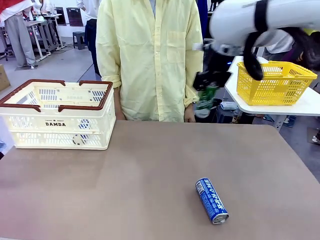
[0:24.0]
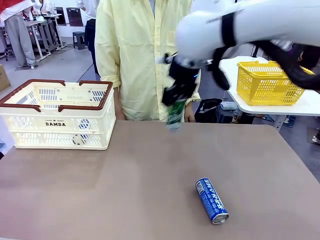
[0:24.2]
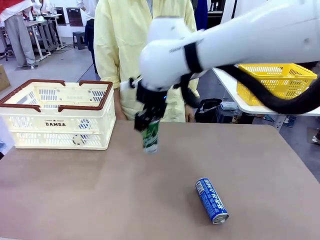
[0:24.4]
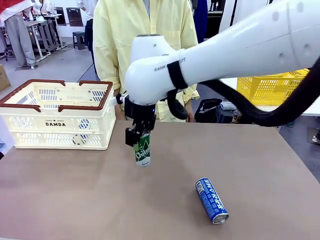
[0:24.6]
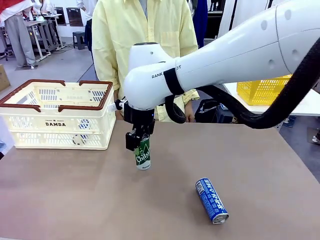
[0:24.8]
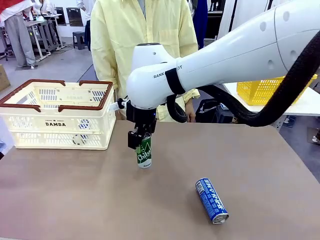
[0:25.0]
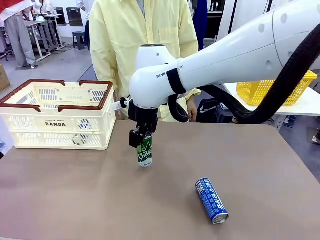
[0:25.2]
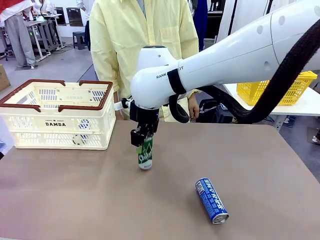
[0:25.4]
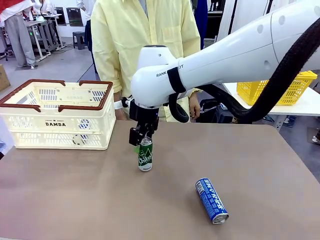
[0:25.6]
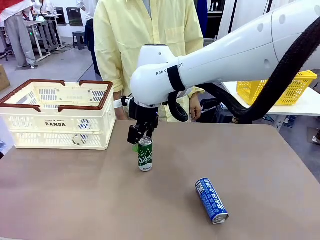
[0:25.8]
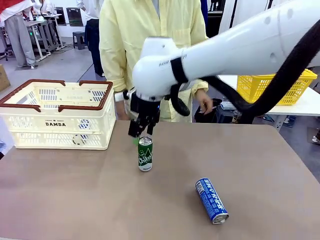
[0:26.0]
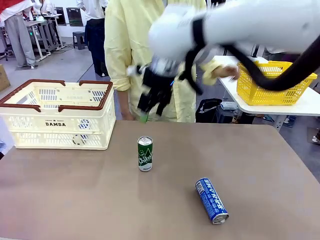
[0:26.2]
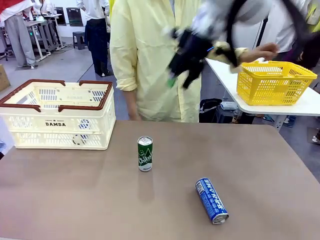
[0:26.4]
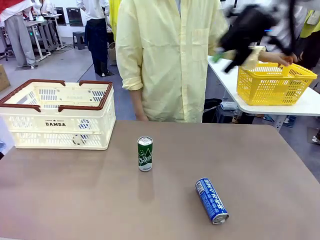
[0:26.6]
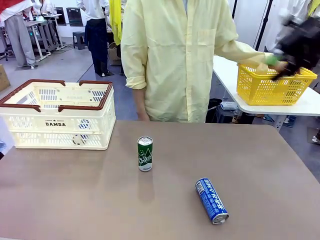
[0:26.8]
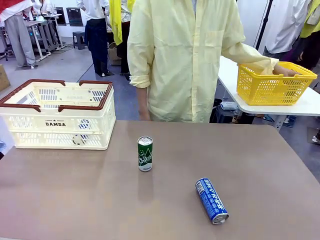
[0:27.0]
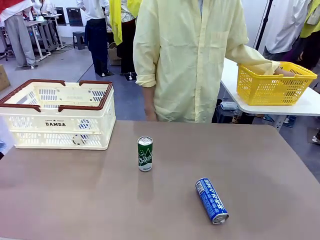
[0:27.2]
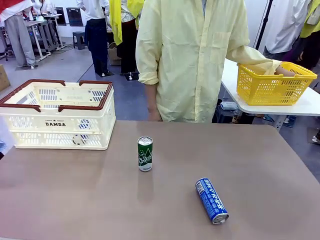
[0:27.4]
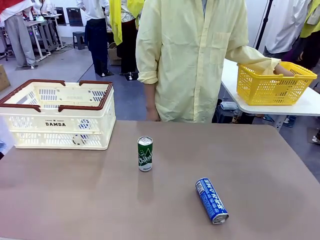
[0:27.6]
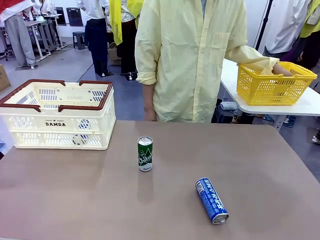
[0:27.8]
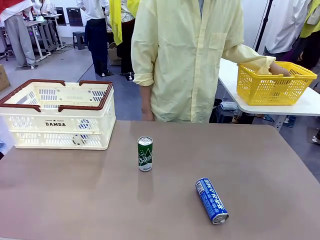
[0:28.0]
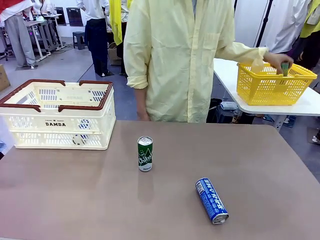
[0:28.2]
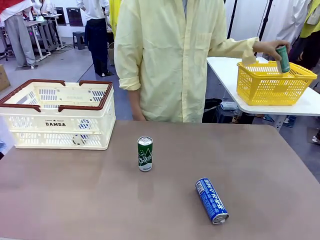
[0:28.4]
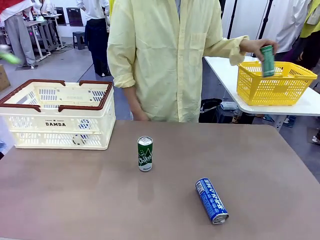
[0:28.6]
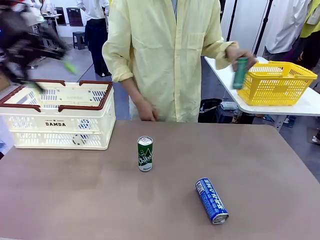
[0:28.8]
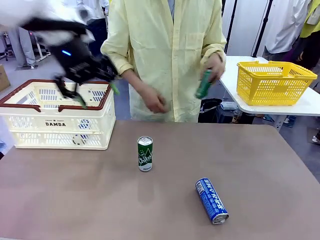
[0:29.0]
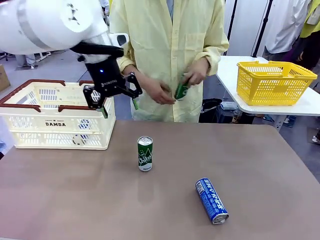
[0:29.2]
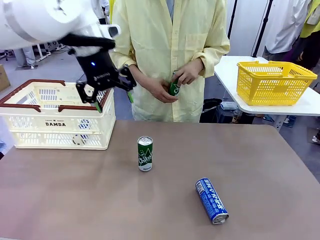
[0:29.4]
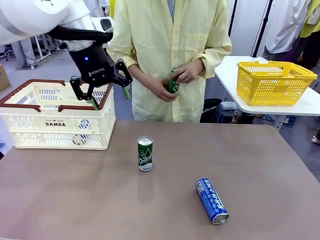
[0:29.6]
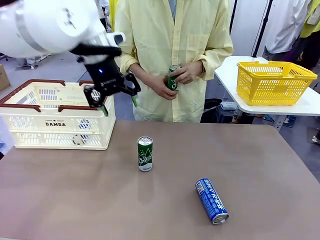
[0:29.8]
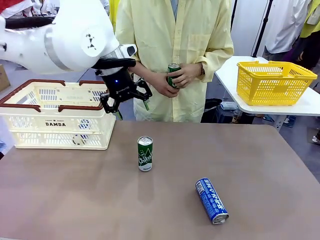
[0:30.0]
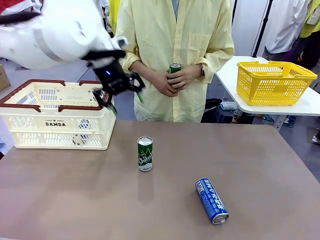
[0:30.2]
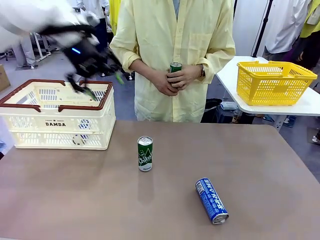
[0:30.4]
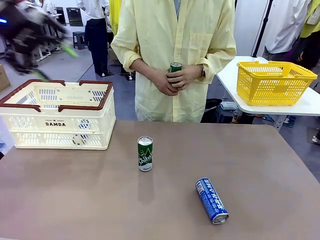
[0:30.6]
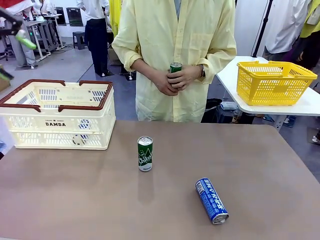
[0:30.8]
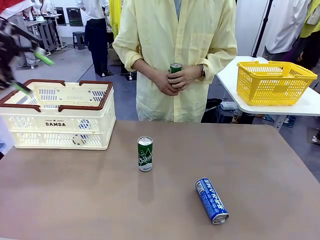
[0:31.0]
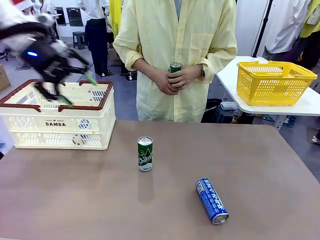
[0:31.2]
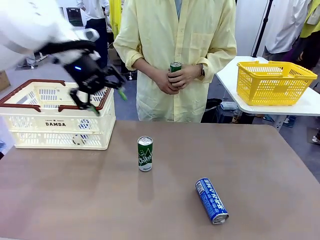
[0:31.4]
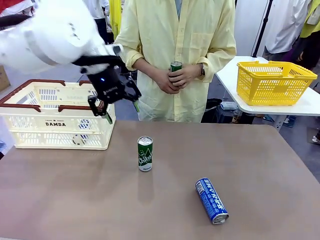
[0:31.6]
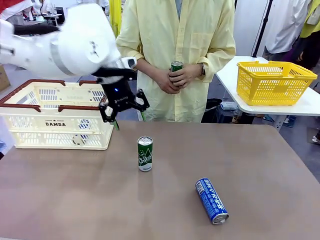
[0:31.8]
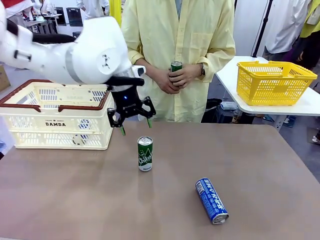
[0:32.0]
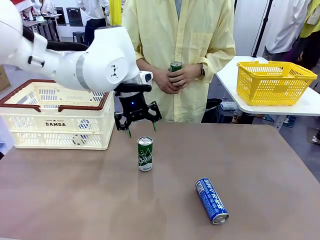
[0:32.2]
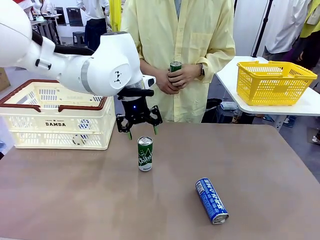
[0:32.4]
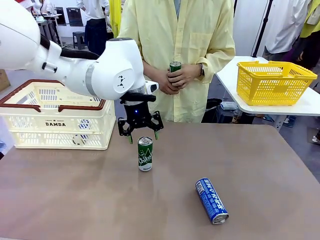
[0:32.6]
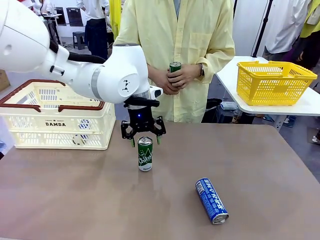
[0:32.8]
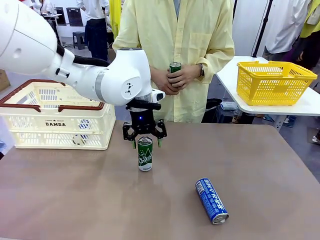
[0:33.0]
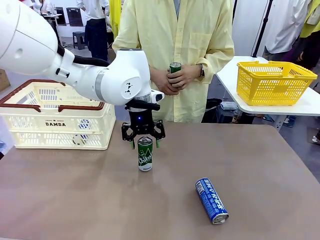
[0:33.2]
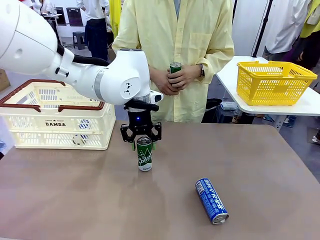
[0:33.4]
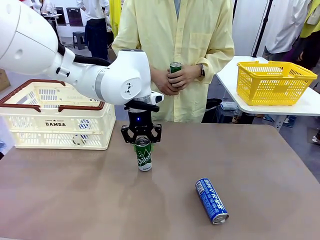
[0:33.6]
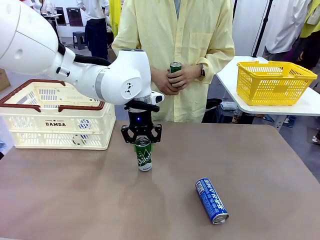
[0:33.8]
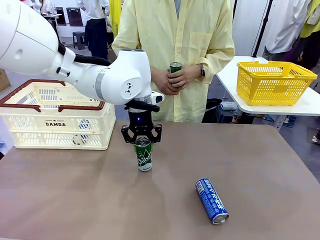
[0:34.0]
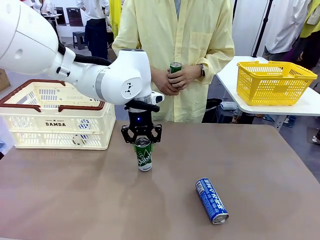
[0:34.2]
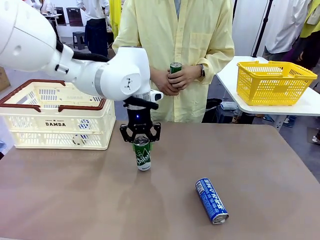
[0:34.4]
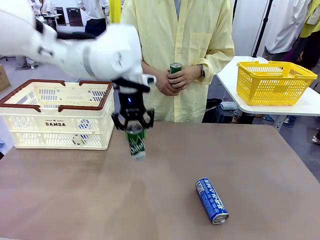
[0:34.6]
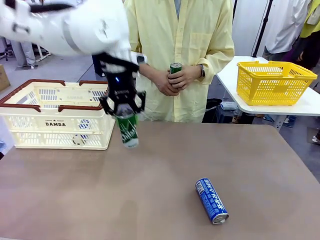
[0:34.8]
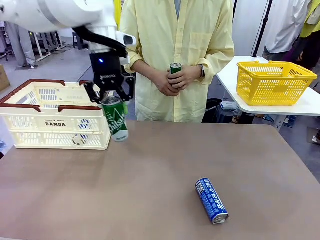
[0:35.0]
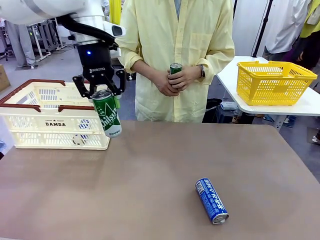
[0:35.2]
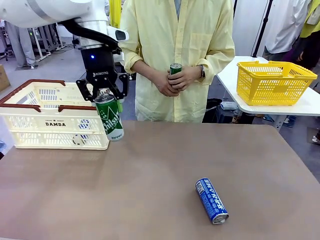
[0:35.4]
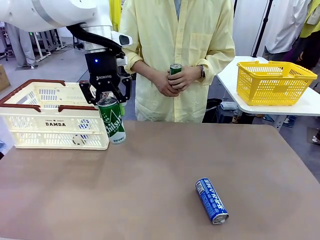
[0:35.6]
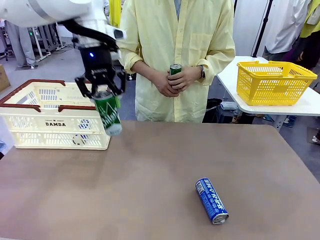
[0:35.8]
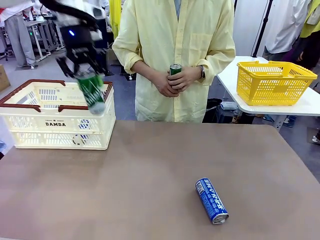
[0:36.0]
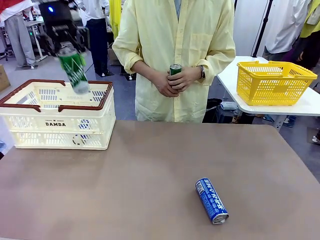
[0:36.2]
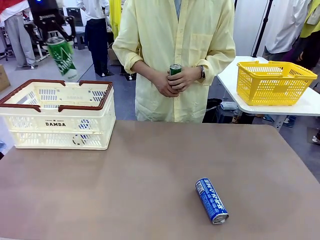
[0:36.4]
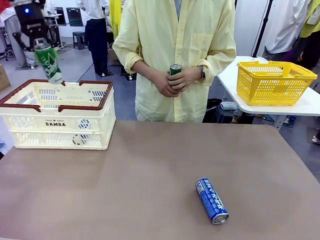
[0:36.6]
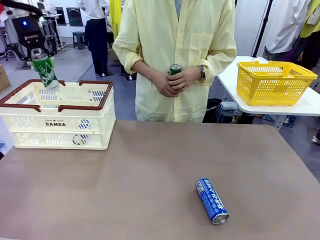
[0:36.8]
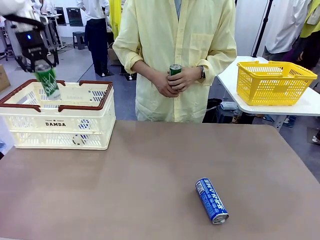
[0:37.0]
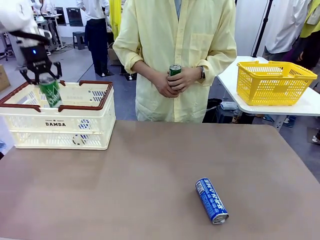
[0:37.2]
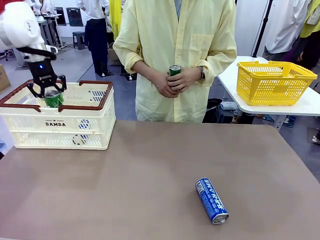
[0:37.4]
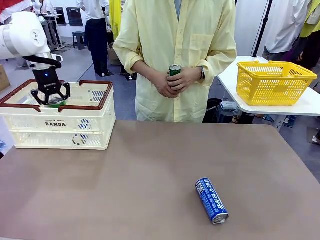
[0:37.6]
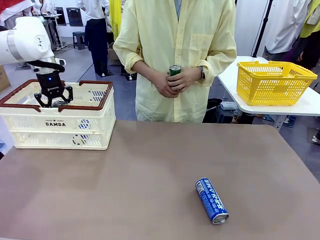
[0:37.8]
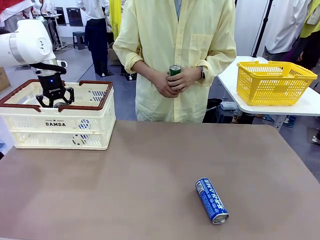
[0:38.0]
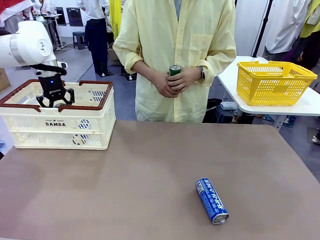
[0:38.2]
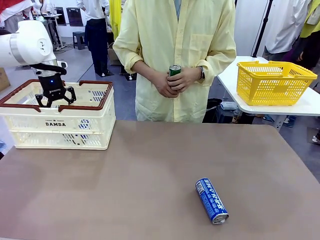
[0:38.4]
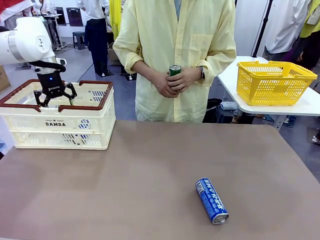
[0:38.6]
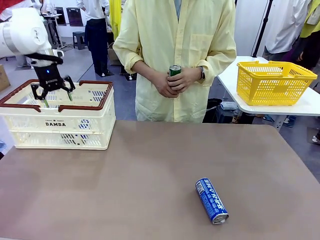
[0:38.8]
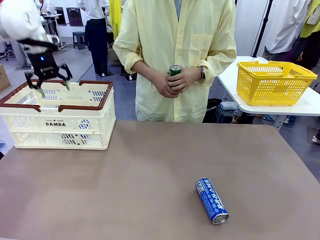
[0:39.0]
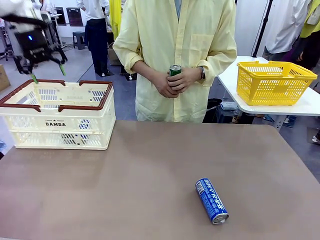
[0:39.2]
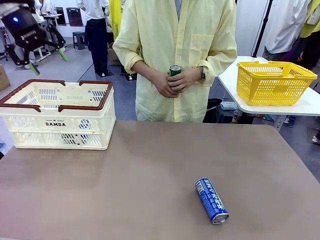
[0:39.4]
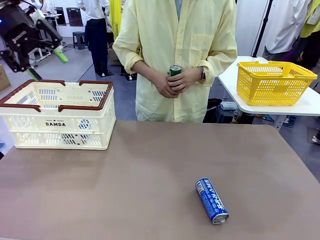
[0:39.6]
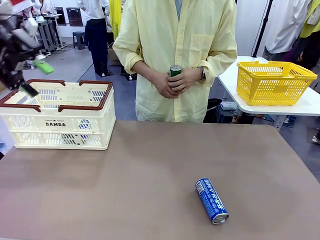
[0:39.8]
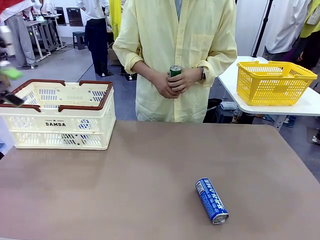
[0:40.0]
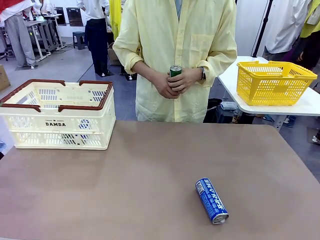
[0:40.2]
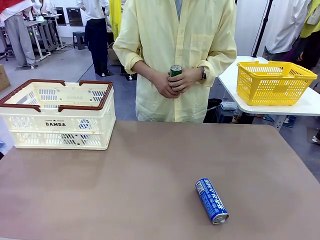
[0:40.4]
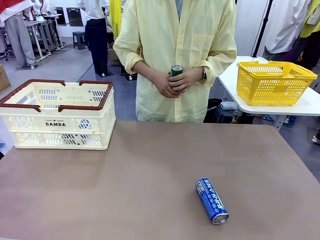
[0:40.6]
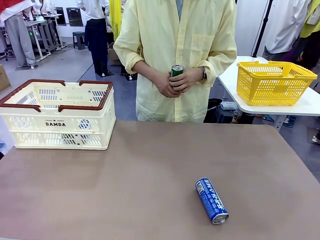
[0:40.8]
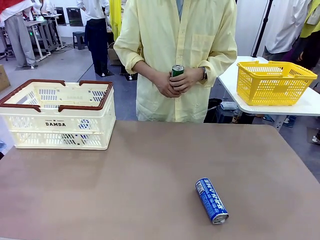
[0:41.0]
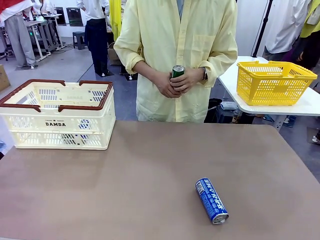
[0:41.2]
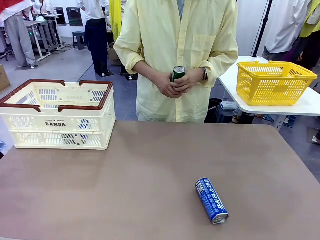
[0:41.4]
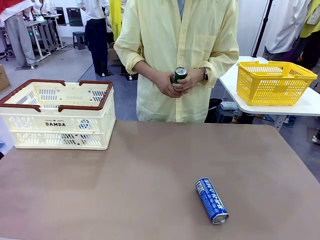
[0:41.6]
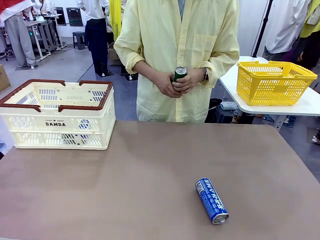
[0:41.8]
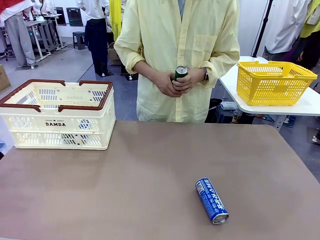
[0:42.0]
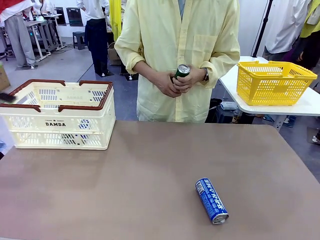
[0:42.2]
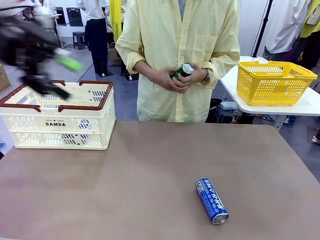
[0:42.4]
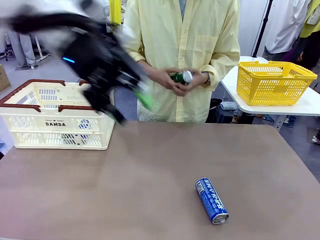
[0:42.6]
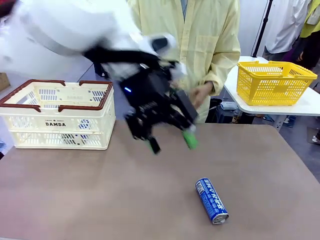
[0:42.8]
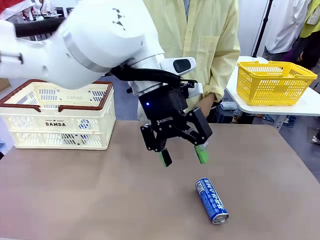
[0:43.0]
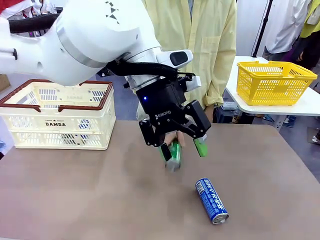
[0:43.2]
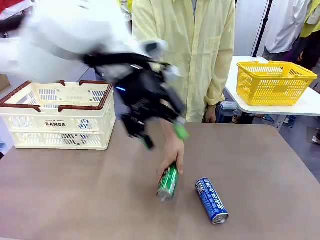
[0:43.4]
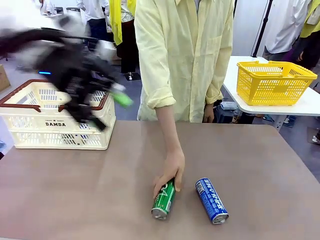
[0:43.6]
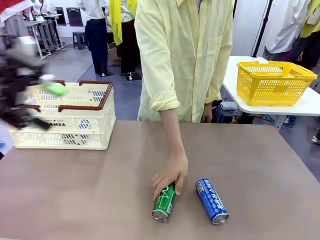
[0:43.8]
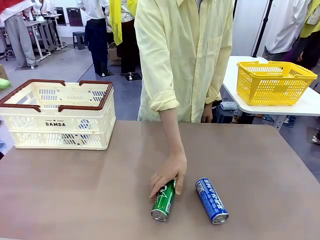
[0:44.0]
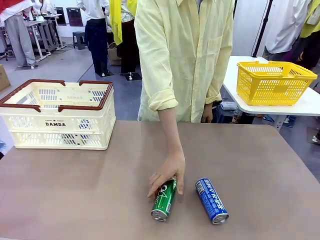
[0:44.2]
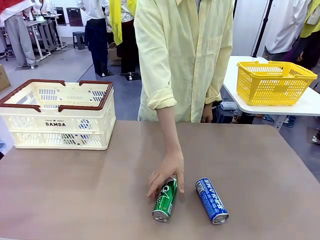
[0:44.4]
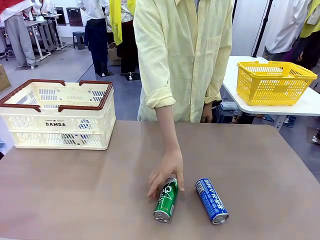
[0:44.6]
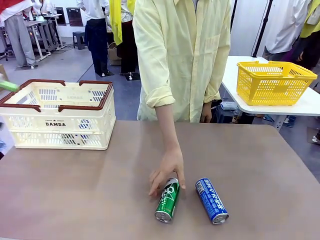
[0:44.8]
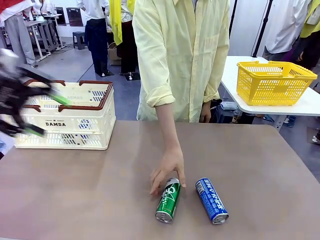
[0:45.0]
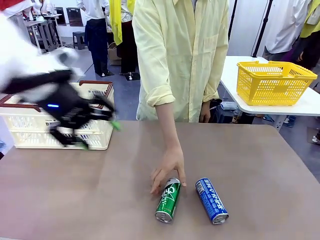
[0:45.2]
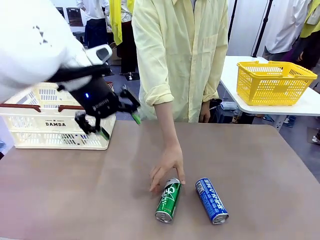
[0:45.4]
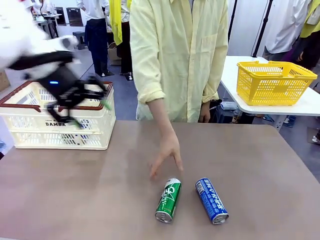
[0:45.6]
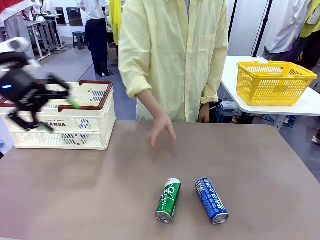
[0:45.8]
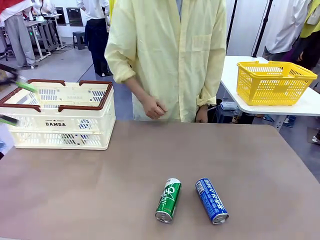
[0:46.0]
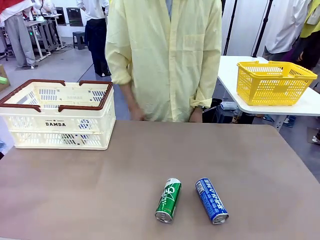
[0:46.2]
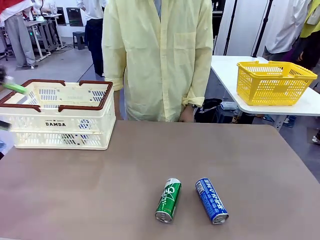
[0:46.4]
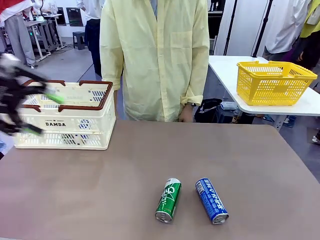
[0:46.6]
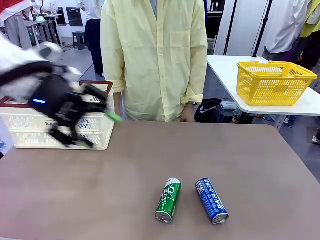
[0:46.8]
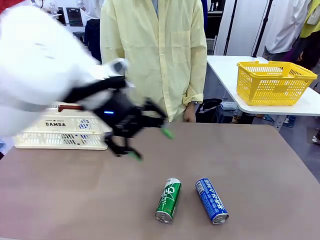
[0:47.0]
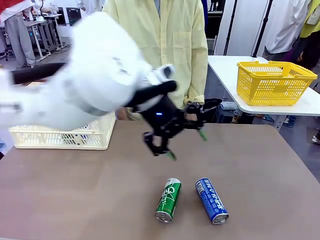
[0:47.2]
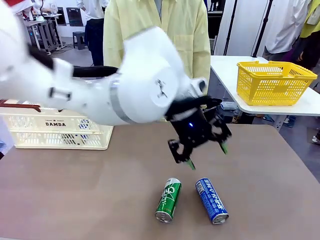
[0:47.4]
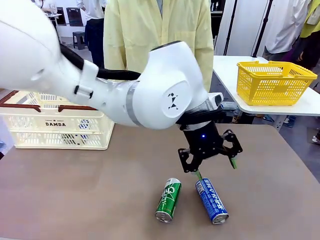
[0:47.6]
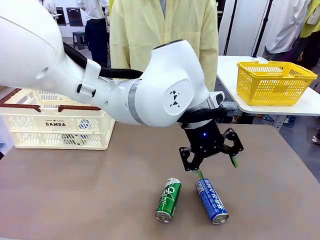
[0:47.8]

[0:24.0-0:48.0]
Task: Place the drinks into the Shopping basket.
Robot: Pick up one drink and place it into the Shopping basket.
